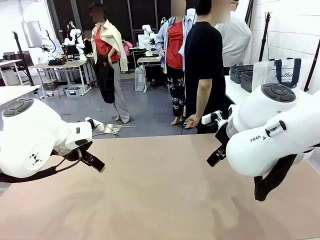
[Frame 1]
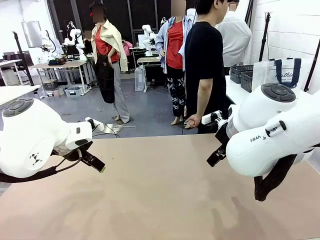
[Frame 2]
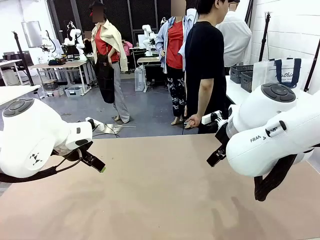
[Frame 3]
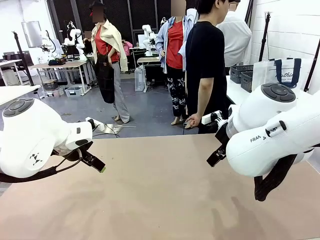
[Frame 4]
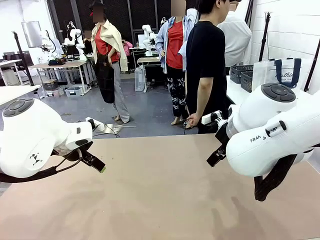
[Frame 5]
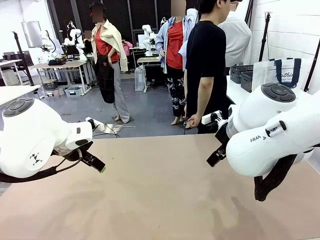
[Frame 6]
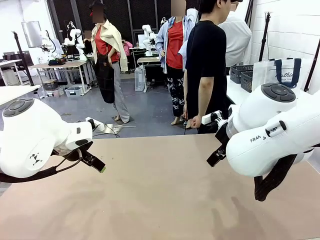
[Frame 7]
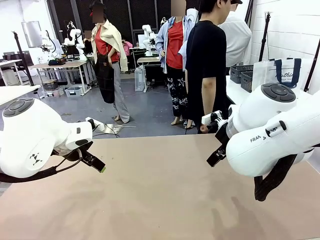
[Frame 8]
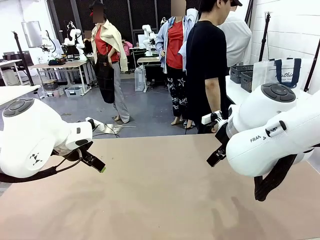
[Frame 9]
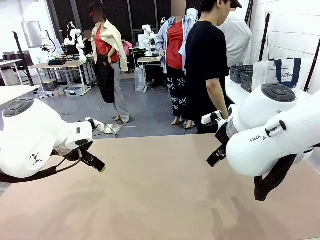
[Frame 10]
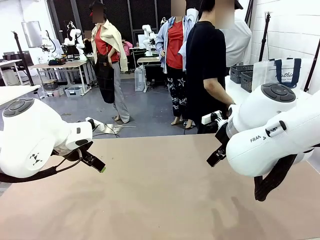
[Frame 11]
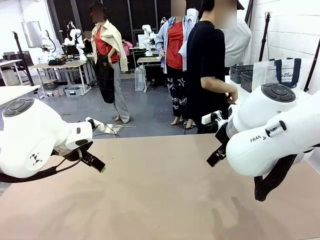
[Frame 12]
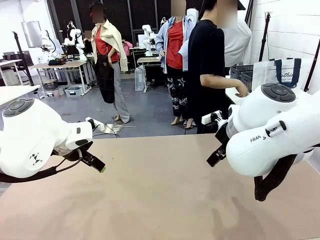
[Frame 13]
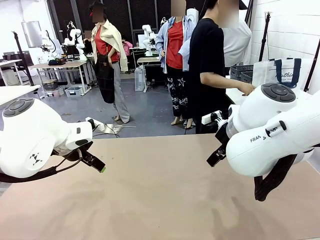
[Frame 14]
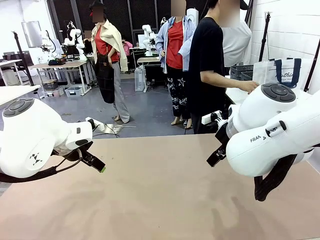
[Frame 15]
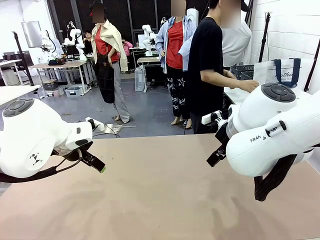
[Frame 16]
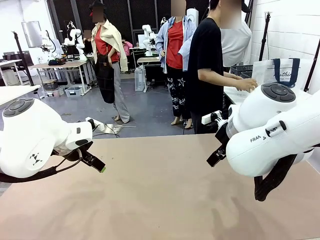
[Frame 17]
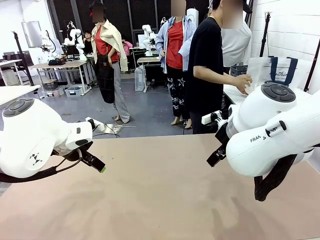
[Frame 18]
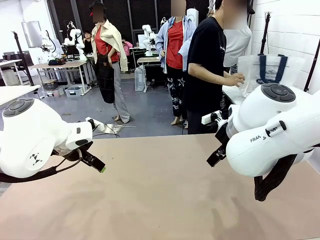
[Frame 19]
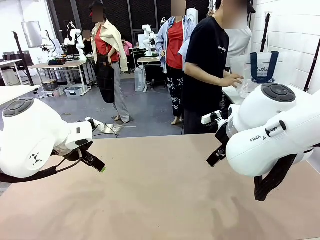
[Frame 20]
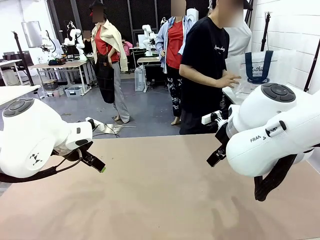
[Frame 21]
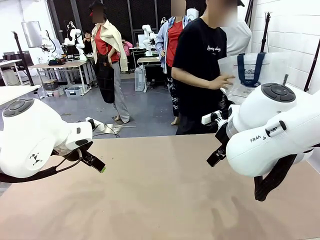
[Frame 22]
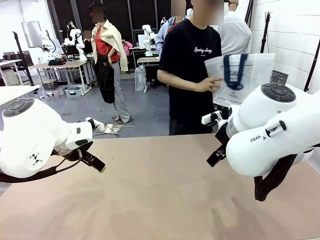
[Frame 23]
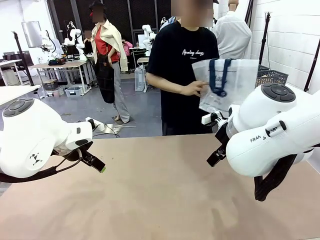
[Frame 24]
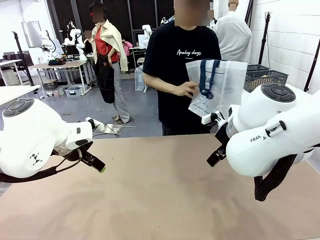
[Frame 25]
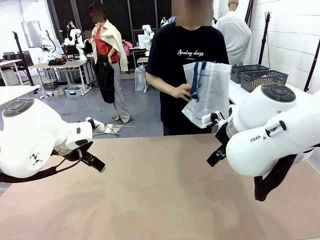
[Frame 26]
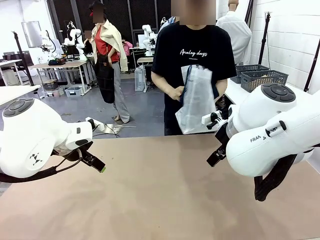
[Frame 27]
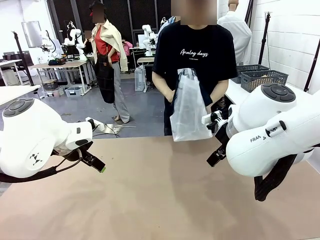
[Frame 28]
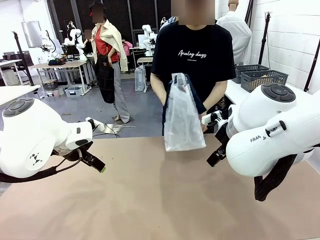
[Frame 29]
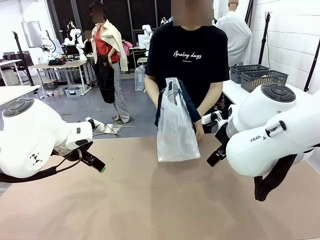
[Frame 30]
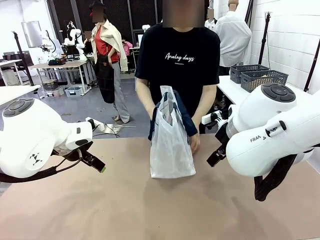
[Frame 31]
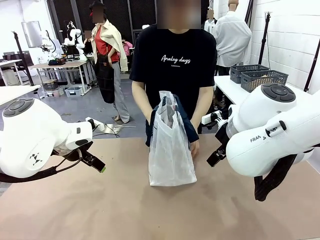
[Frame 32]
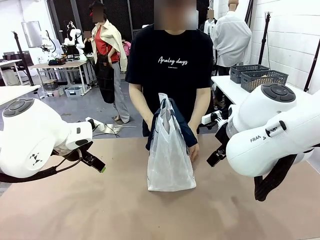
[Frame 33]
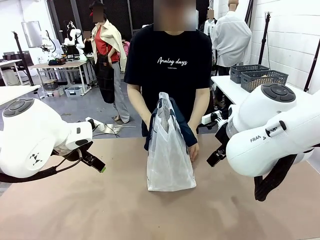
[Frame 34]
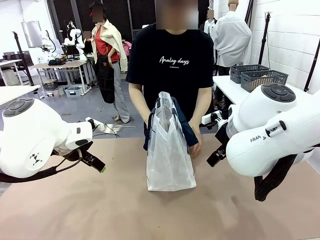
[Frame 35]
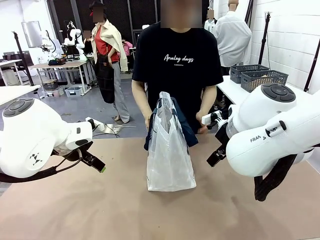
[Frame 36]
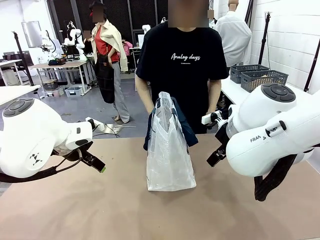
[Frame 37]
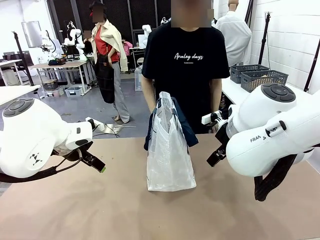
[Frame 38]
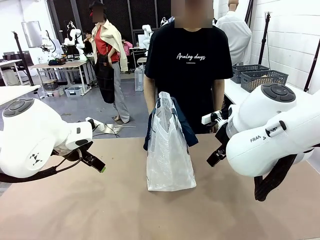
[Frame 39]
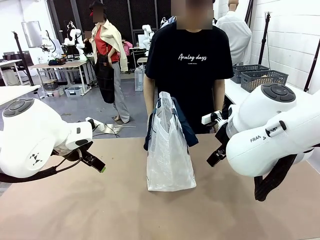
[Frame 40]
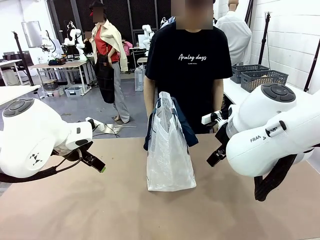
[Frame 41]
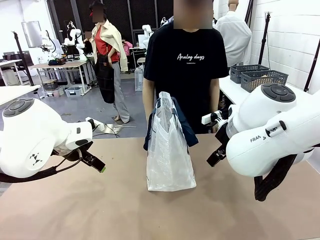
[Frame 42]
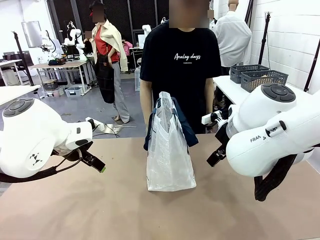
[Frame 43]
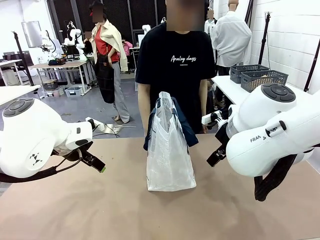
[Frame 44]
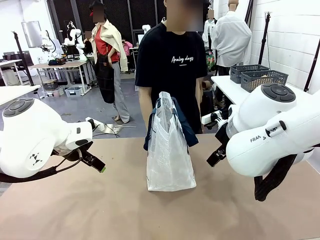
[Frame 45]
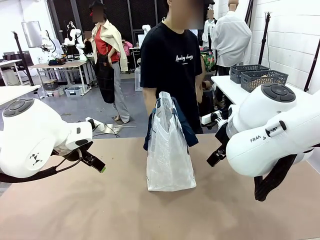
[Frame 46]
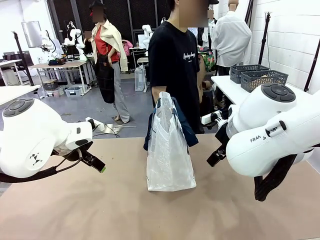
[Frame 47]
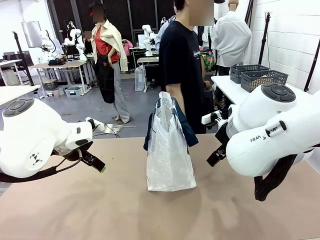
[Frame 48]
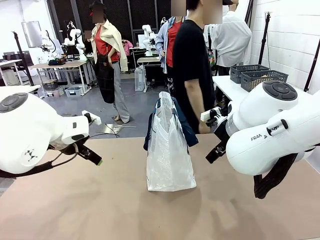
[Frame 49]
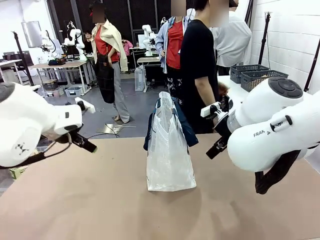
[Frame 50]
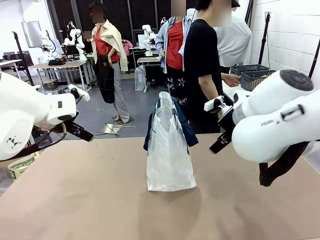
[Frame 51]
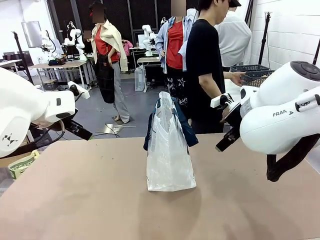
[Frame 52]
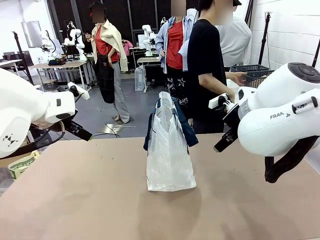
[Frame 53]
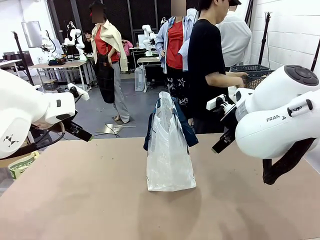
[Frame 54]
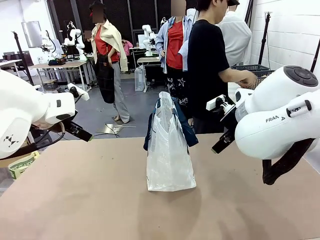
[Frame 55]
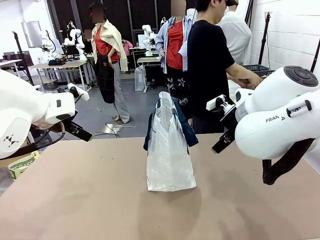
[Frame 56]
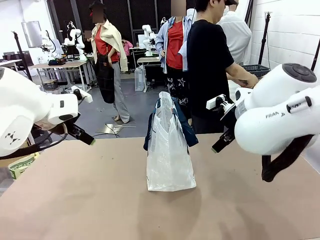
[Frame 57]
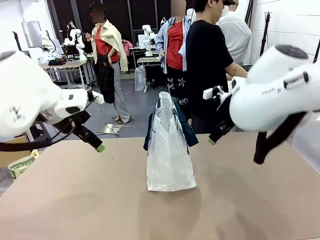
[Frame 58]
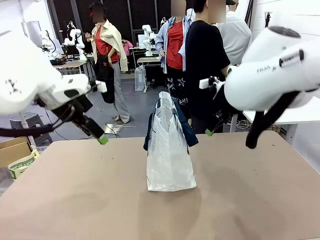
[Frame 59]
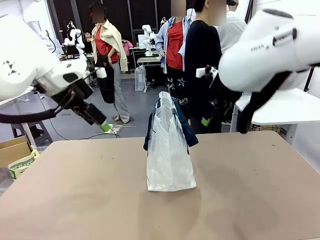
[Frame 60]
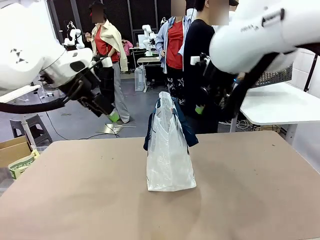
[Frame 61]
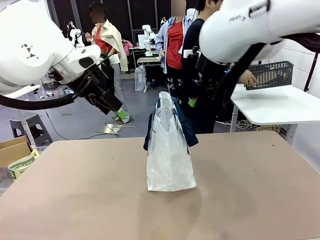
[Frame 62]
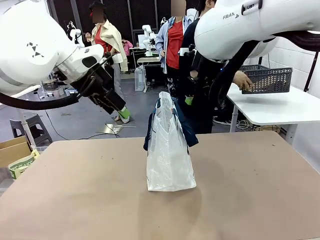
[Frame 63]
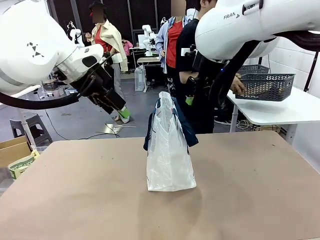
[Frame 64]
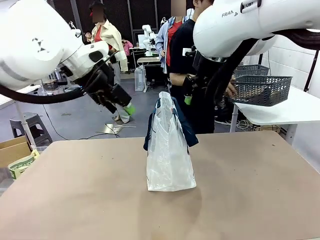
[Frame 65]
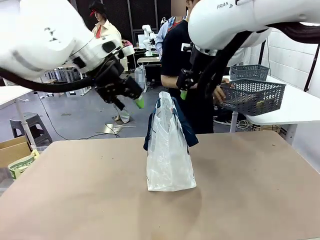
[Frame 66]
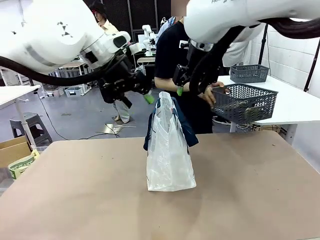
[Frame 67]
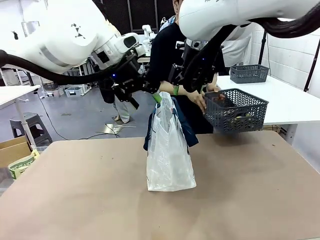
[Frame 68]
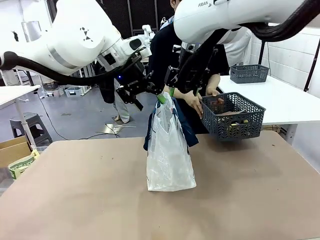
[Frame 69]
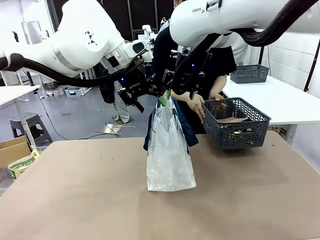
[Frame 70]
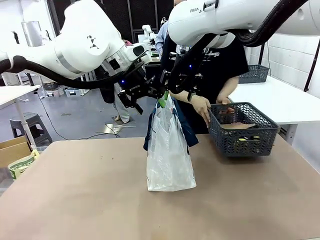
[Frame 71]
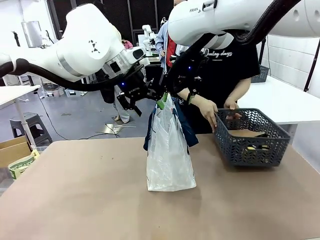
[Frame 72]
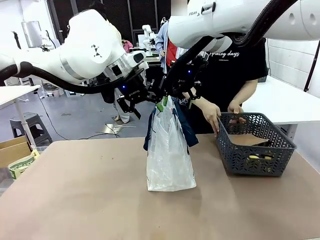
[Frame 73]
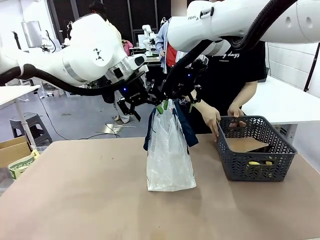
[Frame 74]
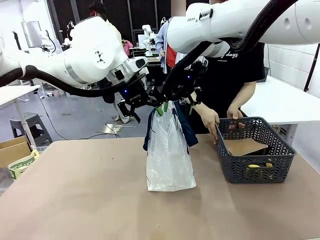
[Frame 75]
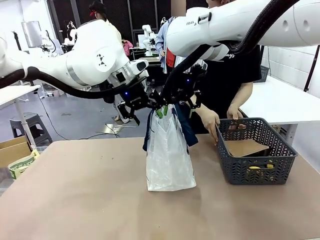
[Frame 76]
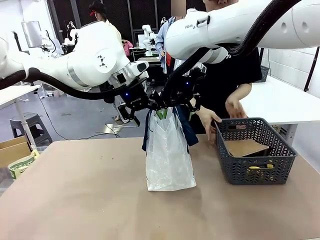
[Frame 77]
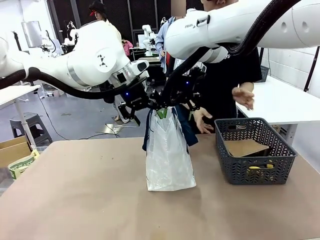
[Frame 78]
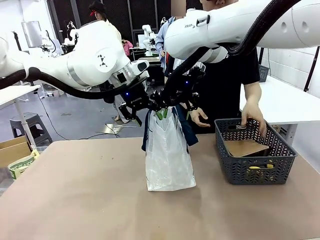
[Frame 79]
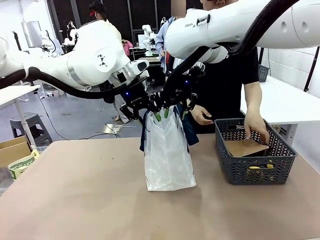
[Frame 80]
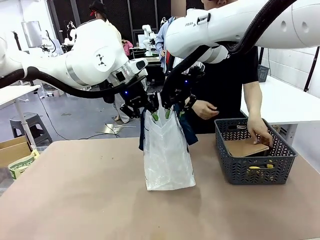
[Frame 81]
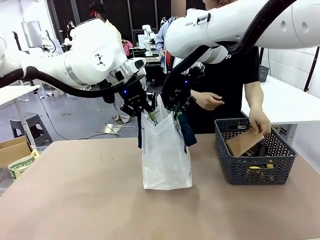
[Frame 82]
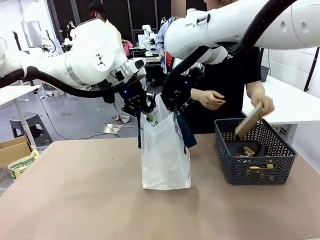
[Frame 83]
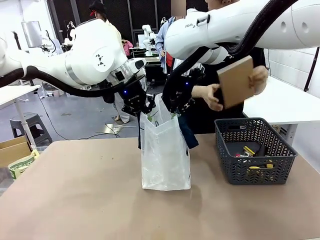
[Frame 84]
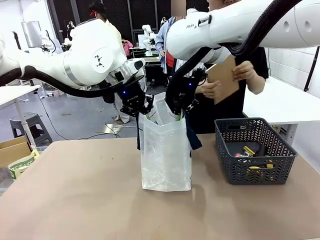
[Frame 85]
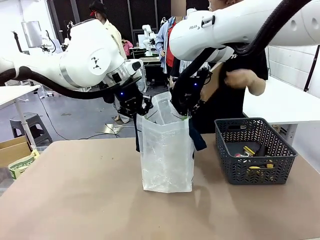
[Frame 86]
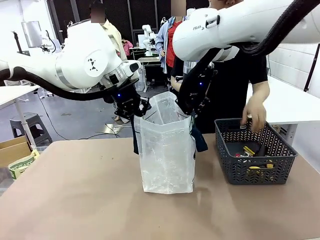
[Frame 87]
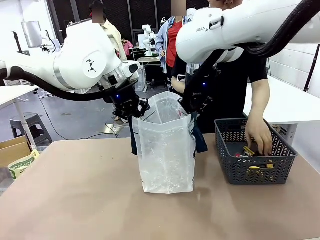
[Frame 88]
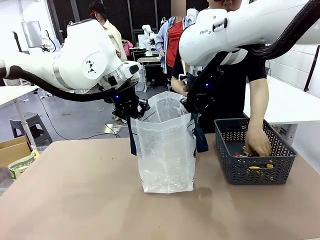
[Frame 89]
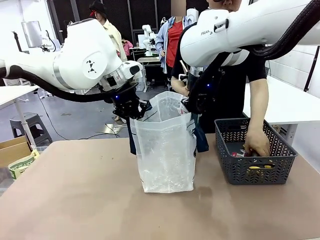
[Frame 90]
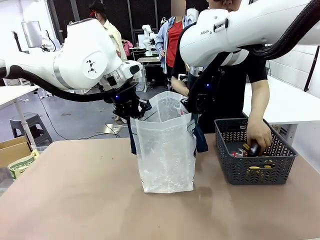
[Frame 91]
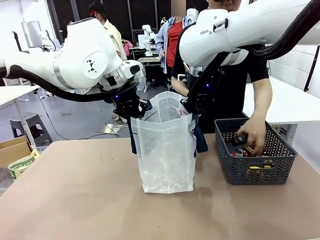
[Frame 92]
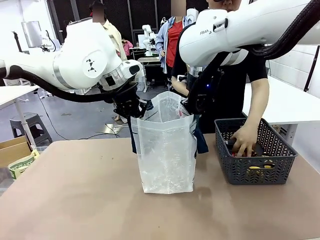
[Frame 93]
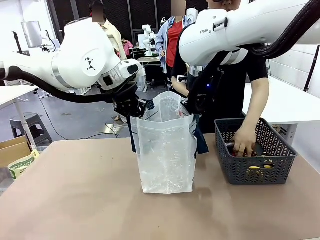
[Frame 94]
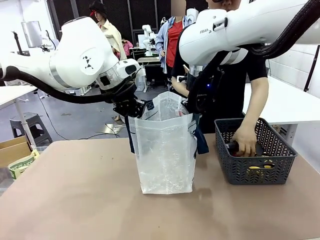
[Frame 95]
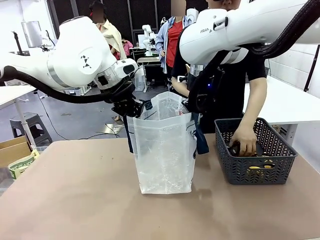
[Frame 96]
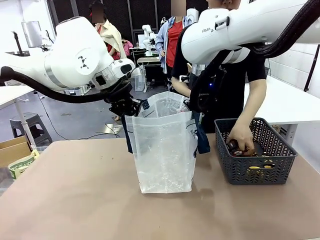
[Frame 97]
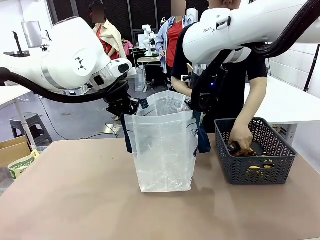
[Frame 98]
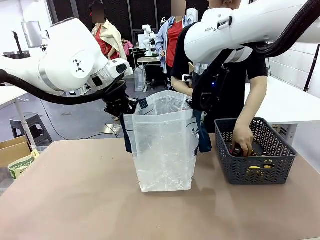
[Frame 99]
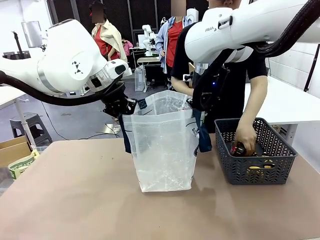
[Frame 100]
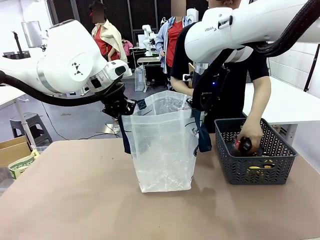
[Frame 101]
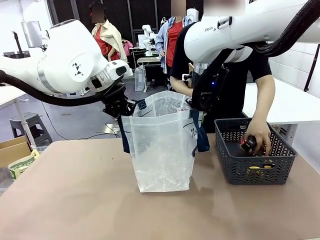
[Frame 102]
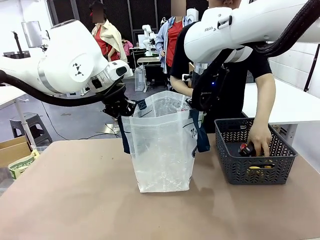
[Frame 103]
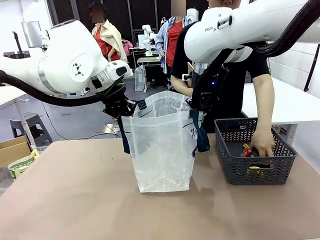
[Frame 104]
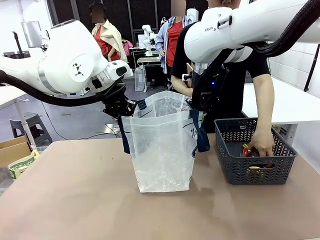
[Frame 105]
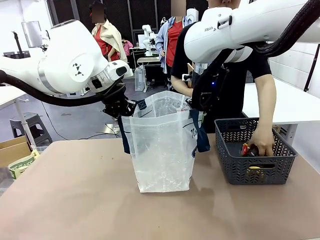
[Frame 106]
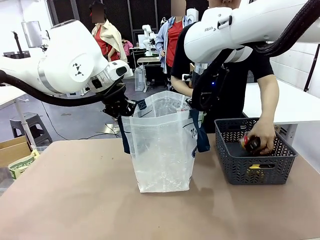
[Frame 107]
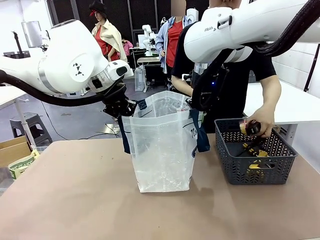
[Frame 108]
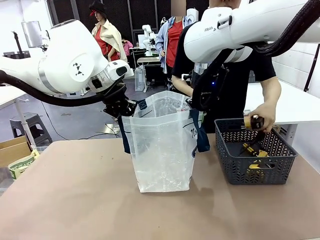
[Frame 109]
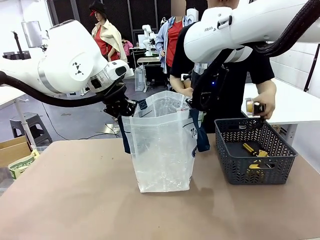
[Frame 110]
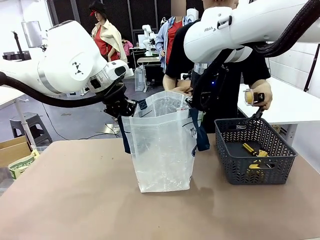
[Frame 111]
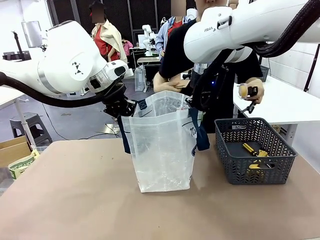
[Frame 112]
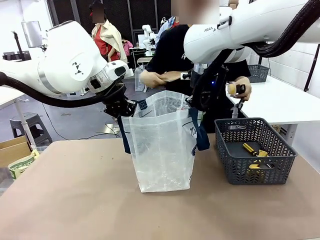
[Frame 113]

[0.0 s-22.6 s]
Task: Transfer purchased items from the store into the shopping bag.
Robot: Open the Reusable shopping bag in the center of the table.
Person: Pick up the shopping bag and place it in the middle of the robot table. Pick up the basket on the right, place it on the left side of the robot table, and move the items in the basket to the shopping bag.
